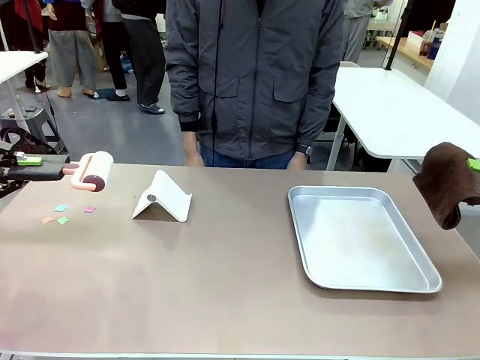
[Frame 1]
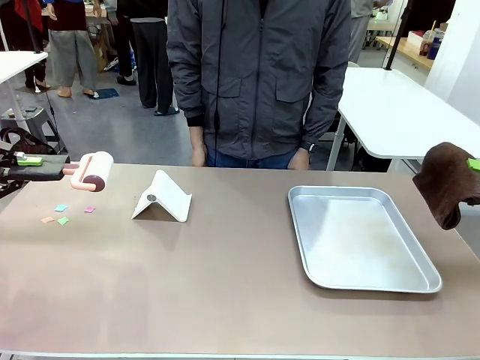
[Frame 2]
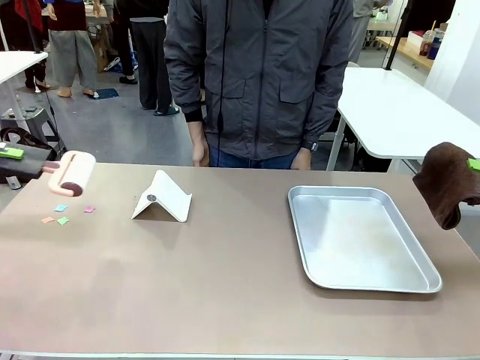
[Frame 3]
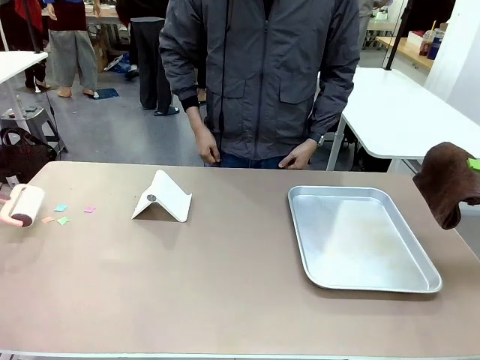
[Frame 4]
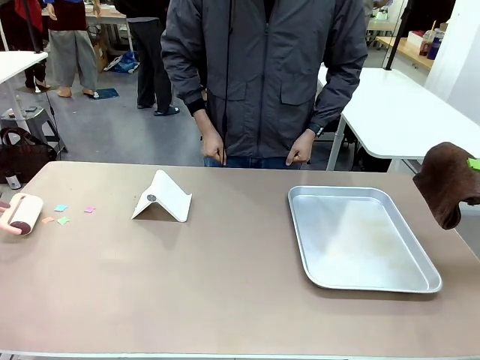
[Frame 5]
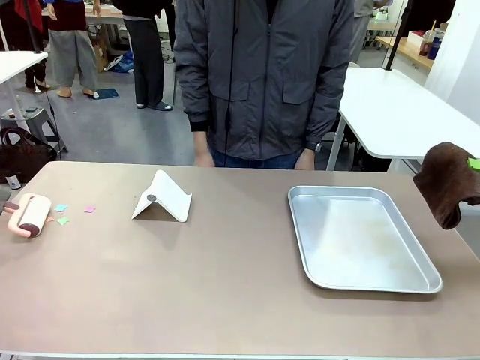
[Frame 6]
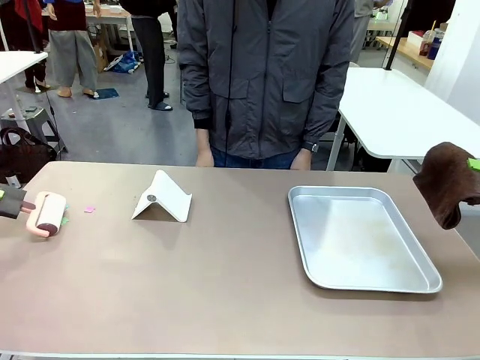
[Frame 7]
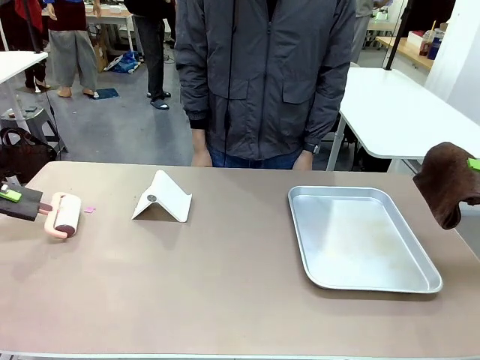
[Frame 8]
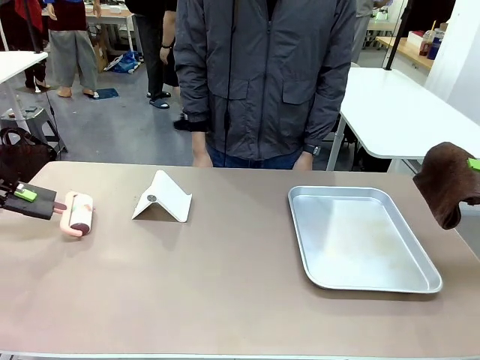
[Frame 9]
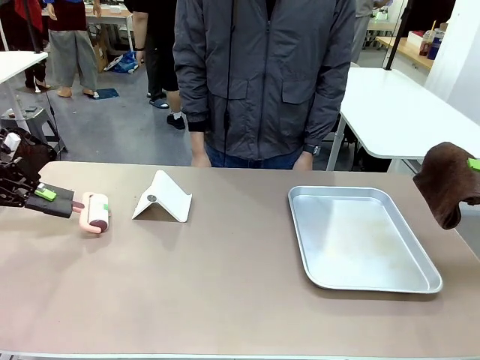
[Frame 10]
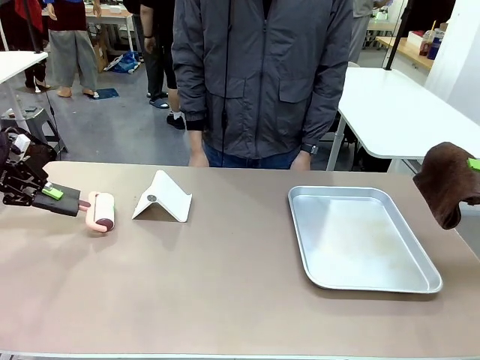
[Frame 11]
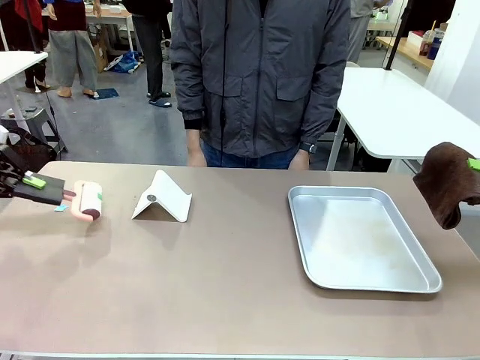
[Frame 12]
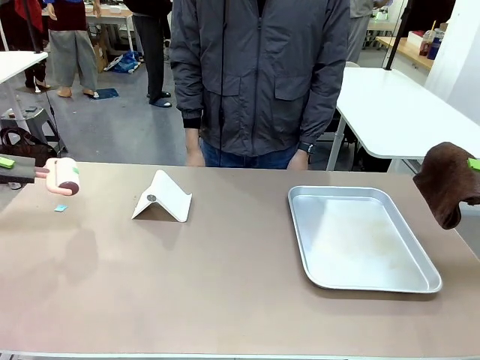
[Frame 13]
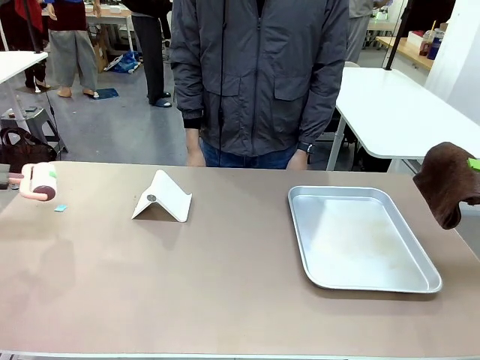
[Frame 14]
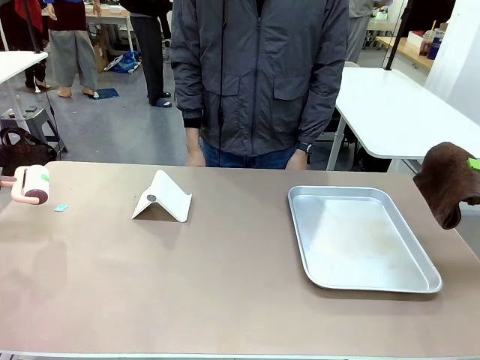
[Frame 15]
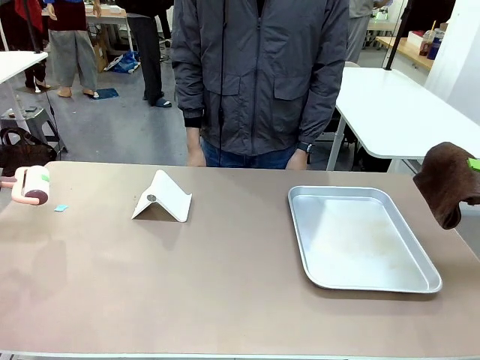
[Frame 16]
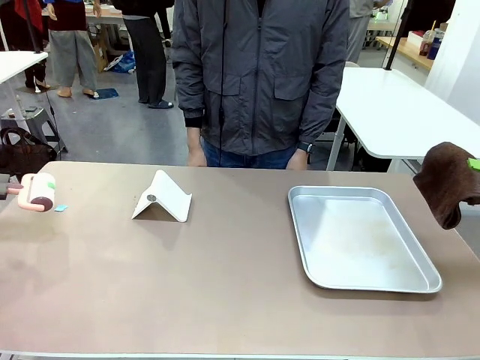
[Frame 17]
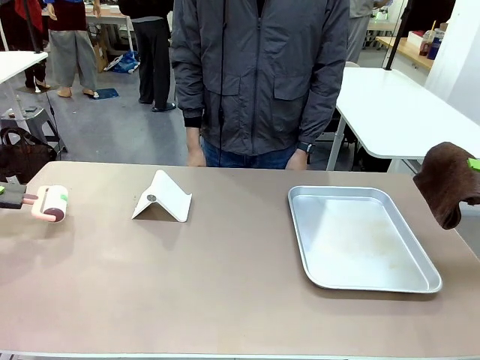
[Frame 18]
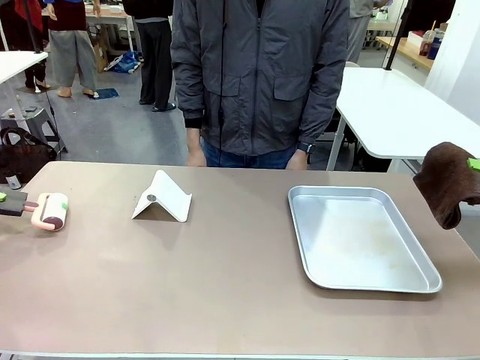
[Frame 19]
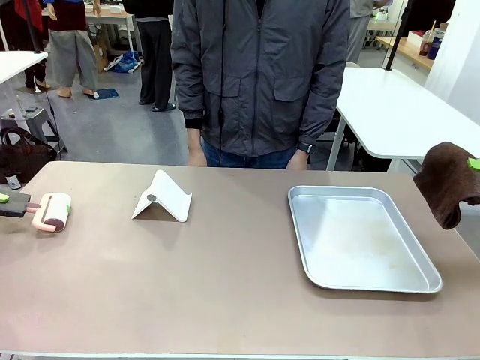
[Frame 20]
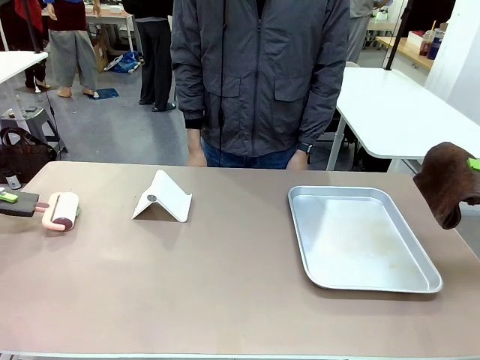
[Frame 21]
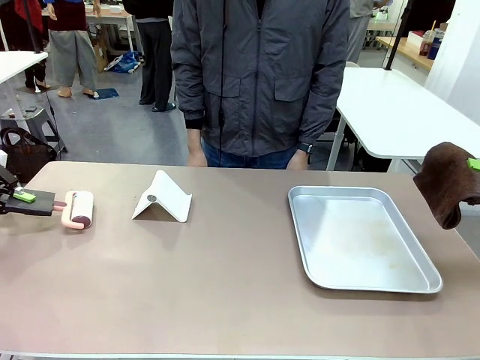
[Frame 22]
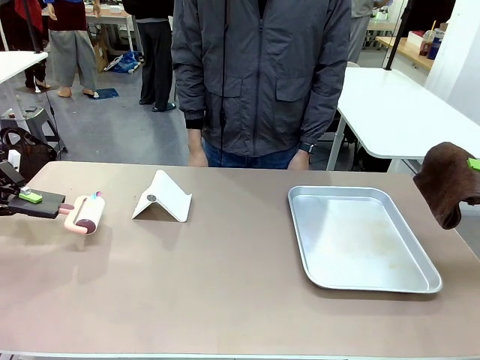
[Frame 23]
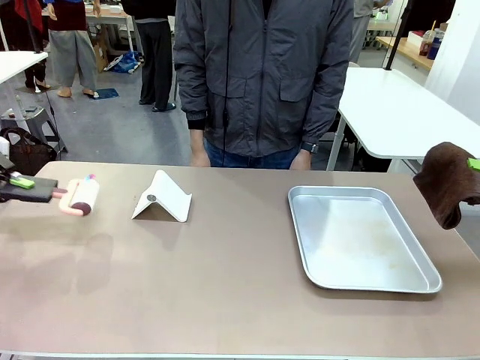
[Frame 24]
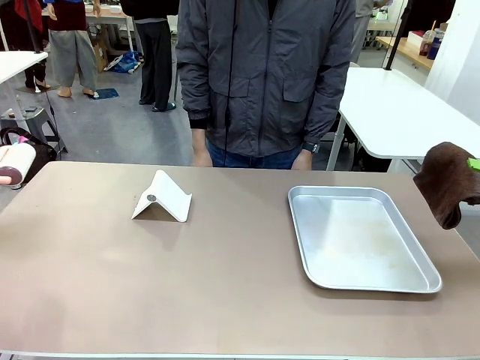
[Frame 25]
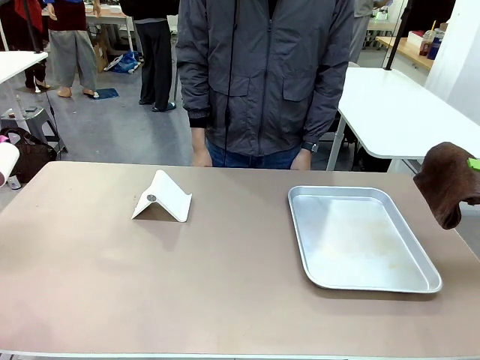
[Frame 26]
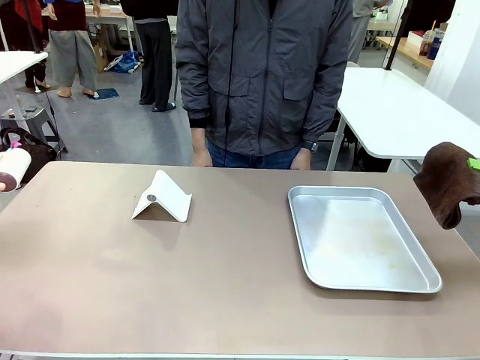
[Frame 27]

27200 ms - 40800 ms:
Task: Clean the surface of the table.
Robot: Clean the area not pointed to by the person.

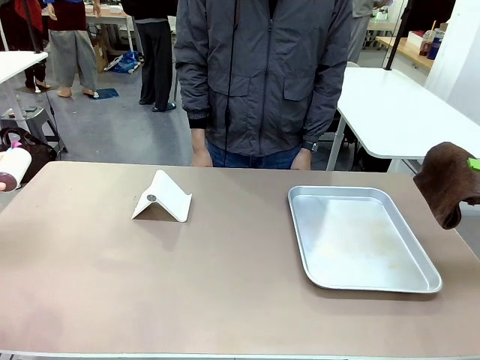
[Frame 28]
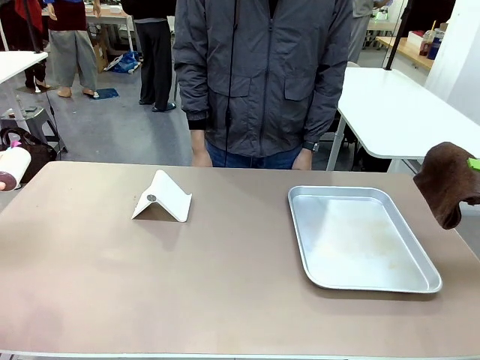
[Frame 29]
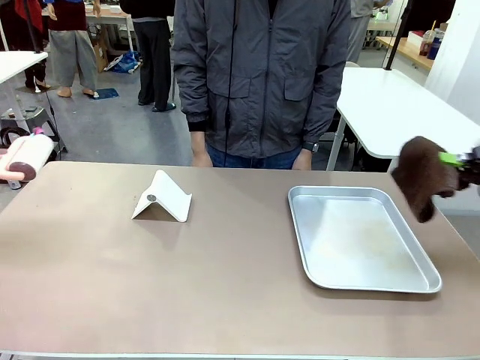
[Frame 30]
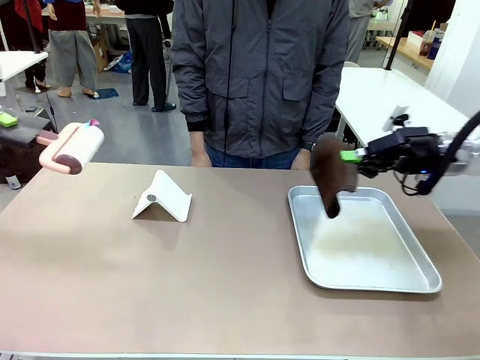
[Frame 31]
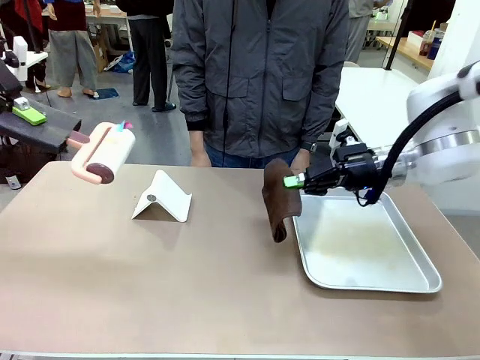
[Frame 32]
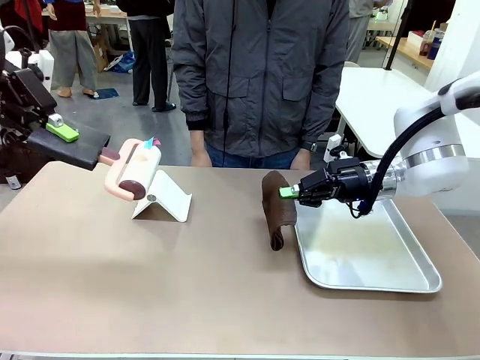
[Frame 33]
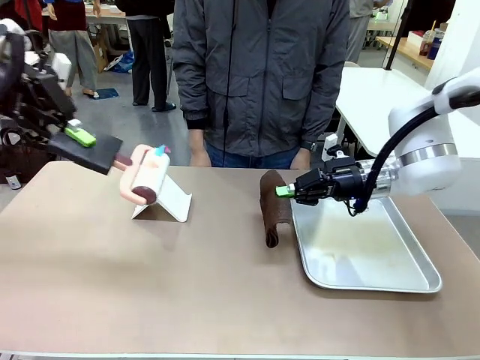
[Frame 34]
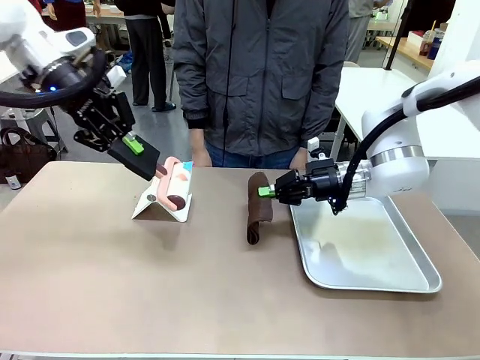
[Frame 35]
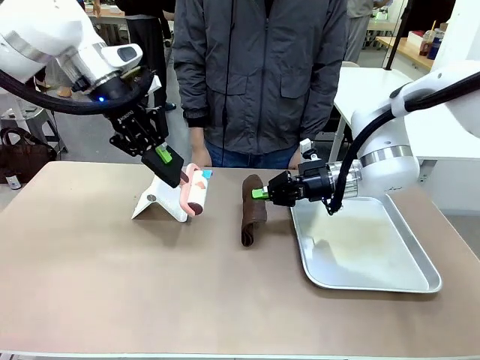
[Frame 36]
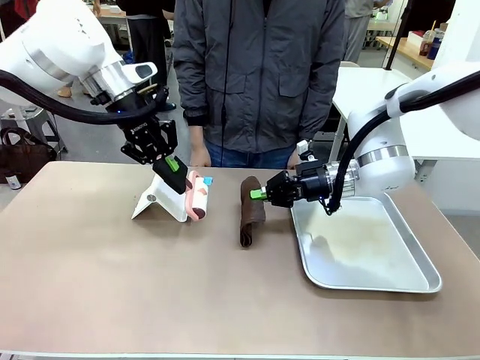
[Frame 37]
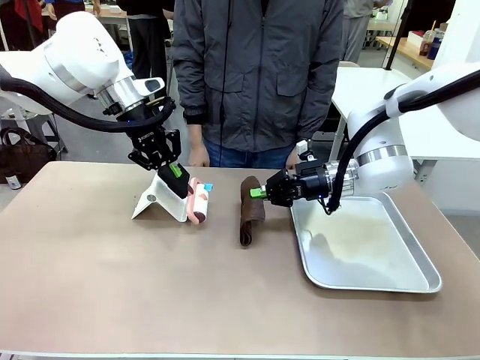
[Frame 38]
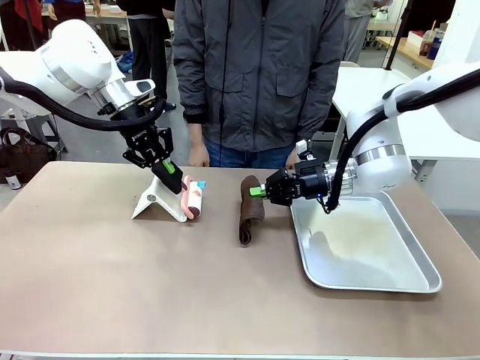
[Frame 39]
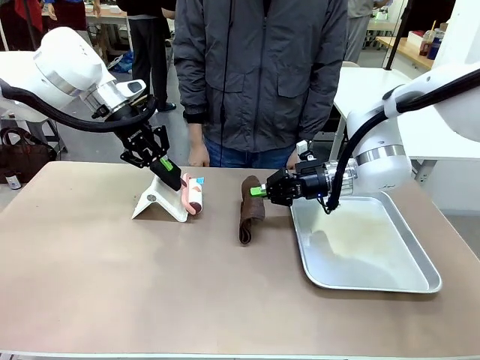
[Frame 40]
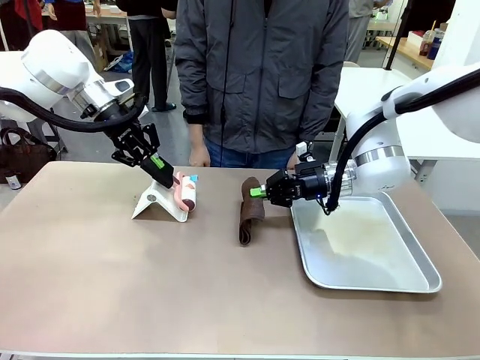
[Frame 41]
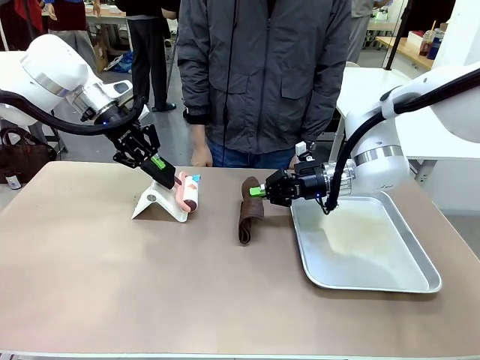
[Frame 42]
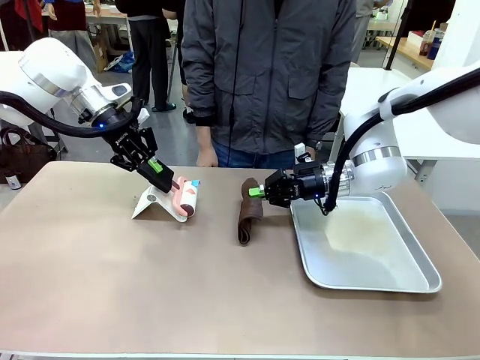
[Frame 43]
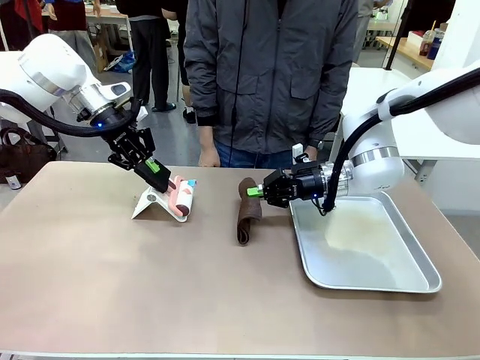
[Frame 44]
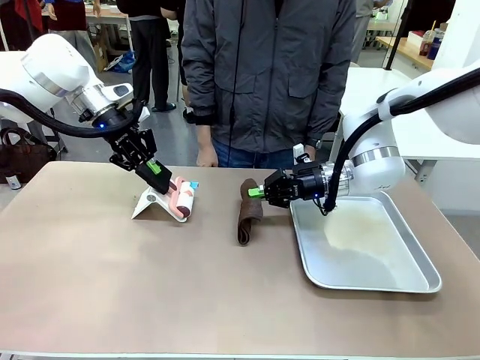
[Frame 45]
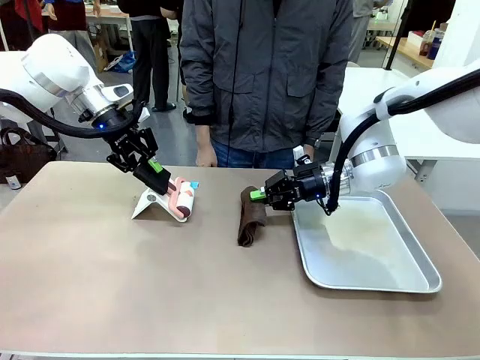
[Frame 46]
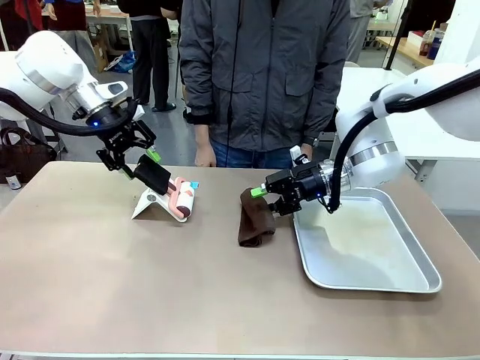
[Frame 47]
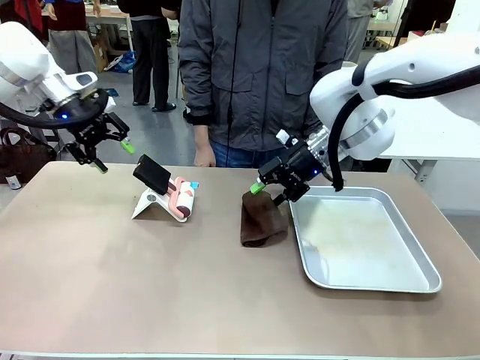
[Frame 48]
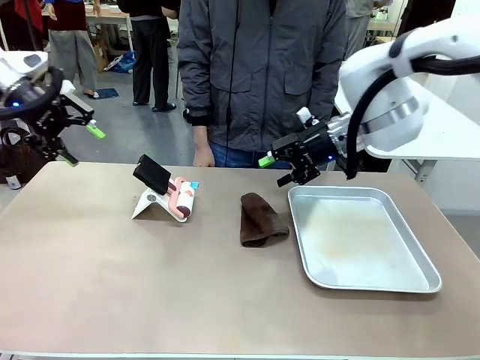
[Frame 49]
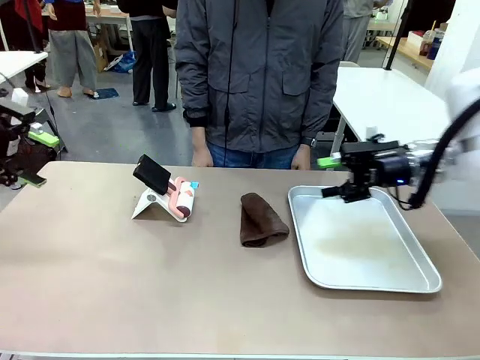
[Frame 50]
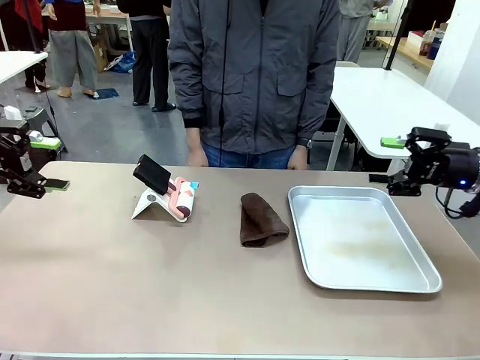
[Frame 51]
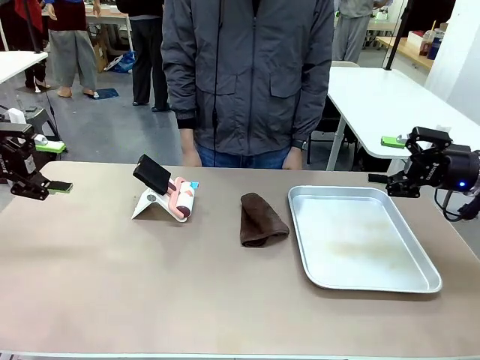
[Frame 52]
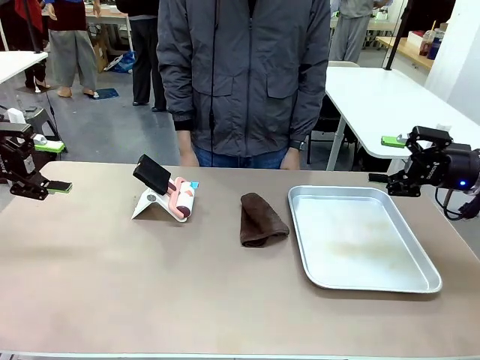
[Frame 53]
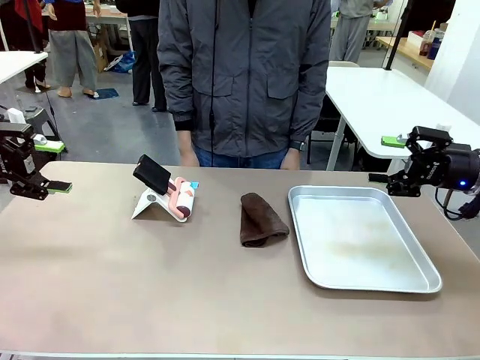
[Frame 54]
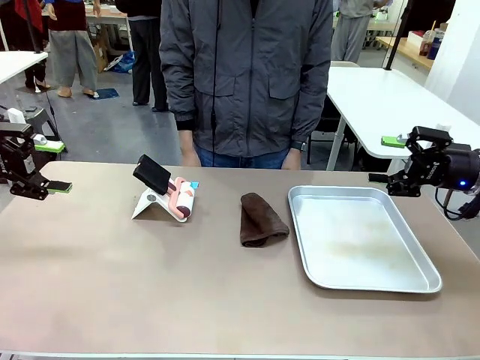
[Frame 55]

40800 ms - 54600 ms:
Robot: Return the Lint Roller and towel to their original positions.
